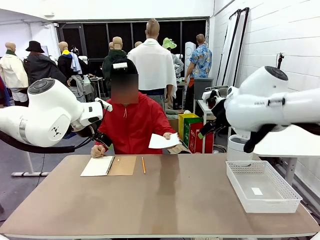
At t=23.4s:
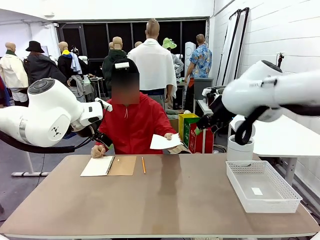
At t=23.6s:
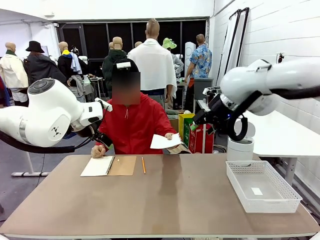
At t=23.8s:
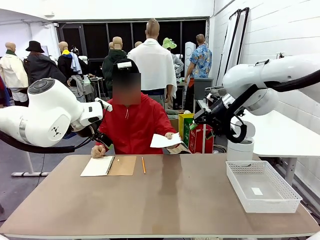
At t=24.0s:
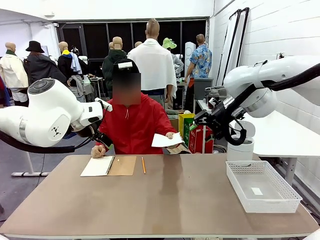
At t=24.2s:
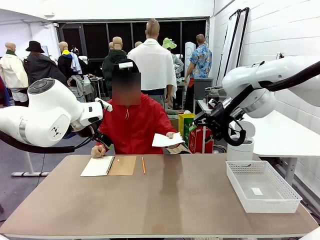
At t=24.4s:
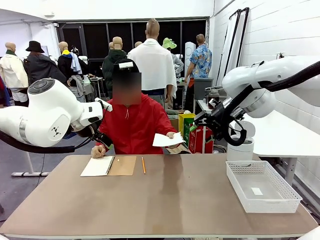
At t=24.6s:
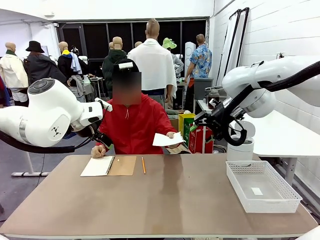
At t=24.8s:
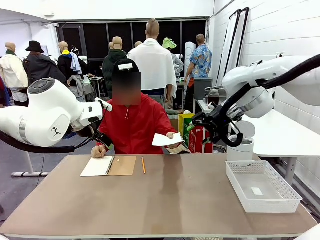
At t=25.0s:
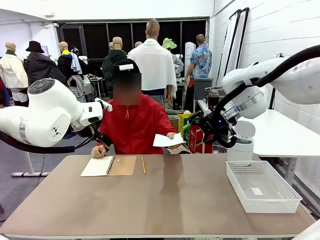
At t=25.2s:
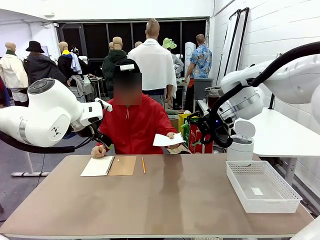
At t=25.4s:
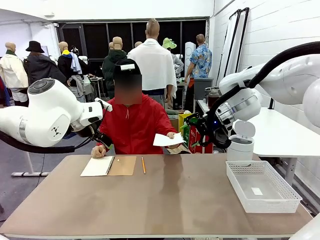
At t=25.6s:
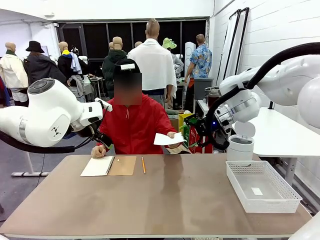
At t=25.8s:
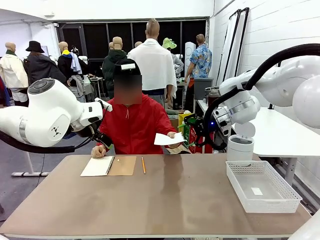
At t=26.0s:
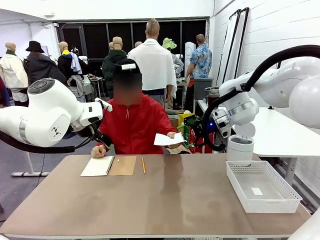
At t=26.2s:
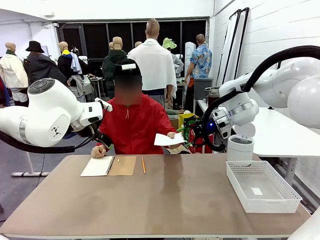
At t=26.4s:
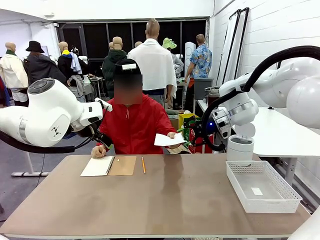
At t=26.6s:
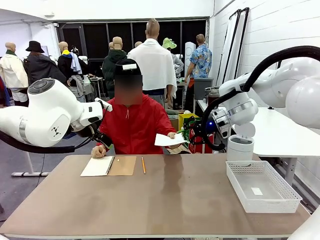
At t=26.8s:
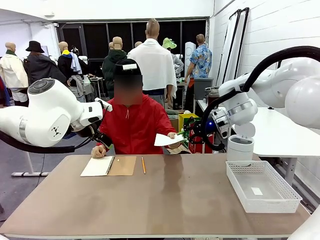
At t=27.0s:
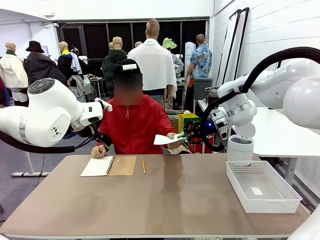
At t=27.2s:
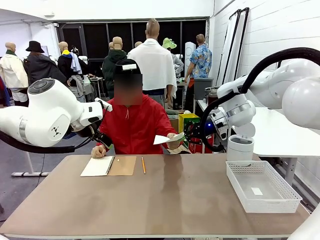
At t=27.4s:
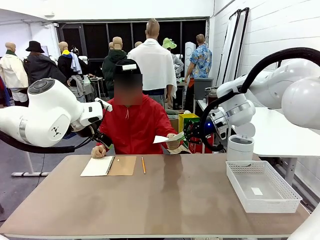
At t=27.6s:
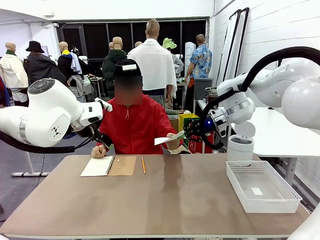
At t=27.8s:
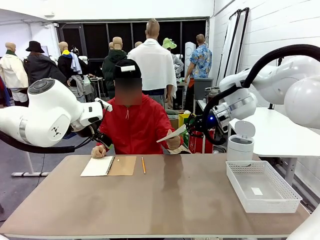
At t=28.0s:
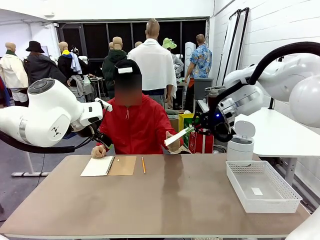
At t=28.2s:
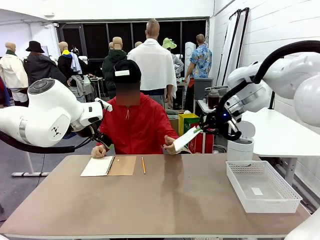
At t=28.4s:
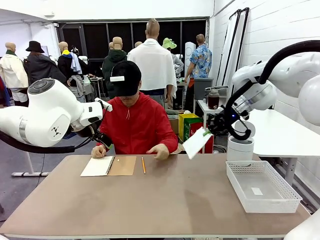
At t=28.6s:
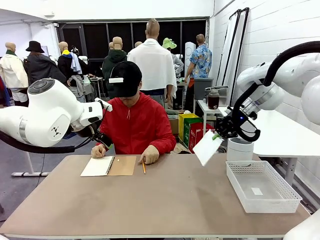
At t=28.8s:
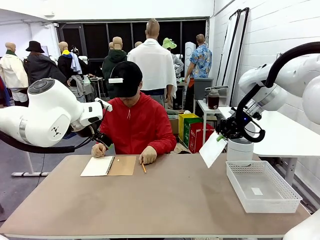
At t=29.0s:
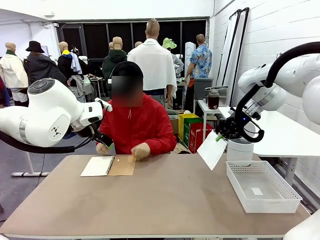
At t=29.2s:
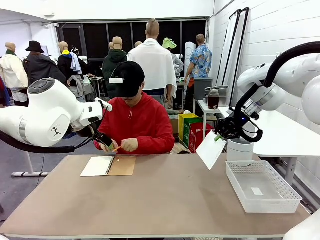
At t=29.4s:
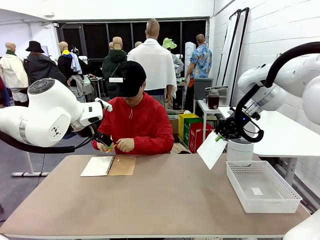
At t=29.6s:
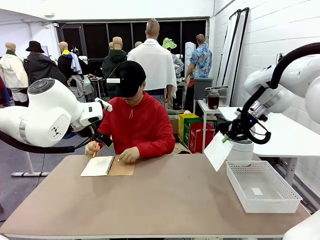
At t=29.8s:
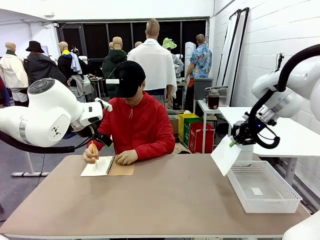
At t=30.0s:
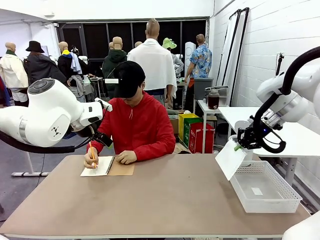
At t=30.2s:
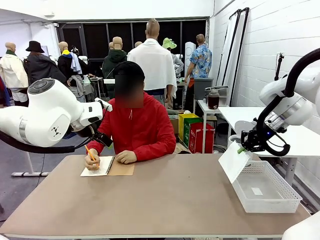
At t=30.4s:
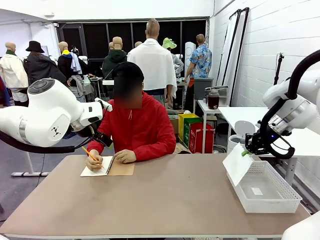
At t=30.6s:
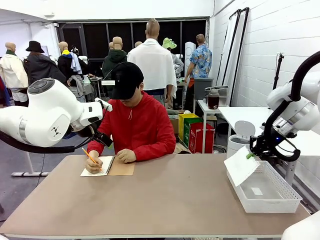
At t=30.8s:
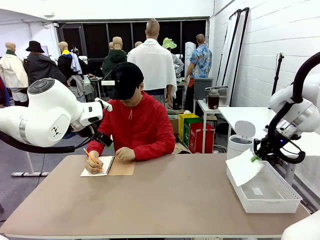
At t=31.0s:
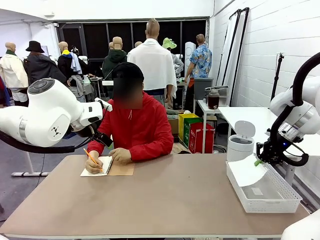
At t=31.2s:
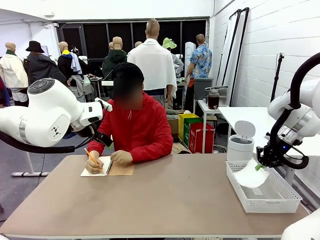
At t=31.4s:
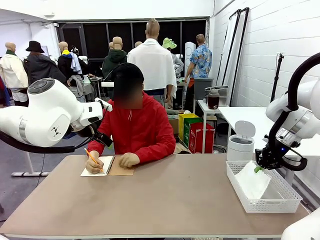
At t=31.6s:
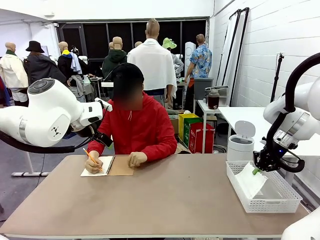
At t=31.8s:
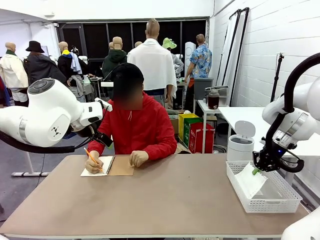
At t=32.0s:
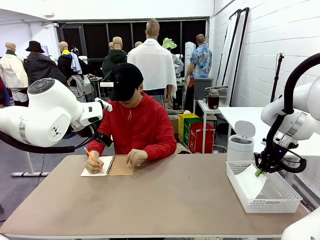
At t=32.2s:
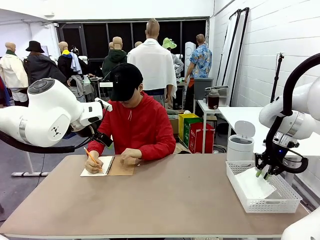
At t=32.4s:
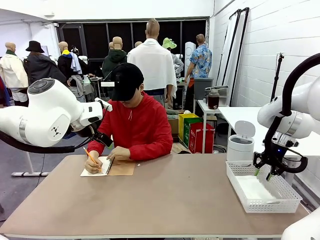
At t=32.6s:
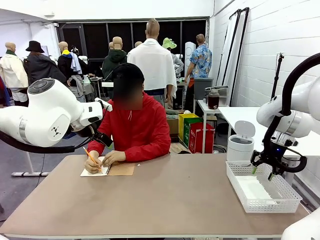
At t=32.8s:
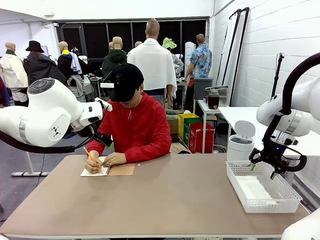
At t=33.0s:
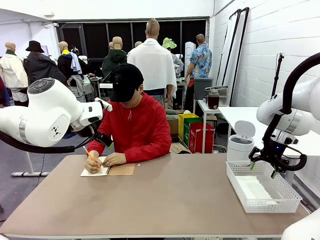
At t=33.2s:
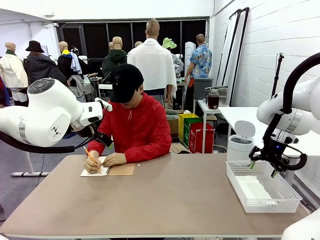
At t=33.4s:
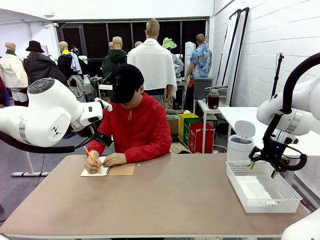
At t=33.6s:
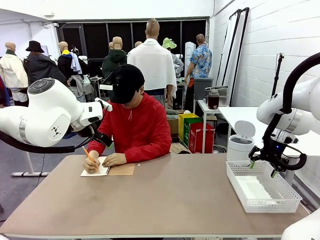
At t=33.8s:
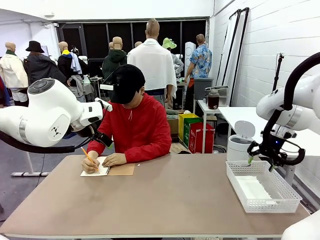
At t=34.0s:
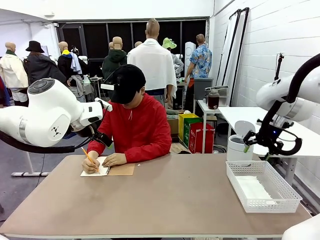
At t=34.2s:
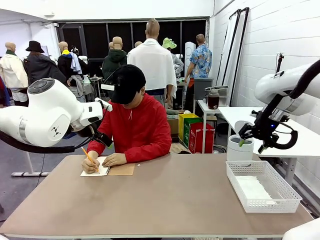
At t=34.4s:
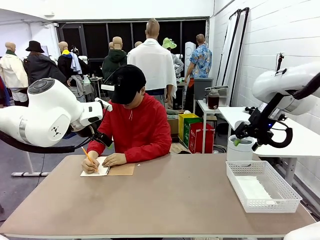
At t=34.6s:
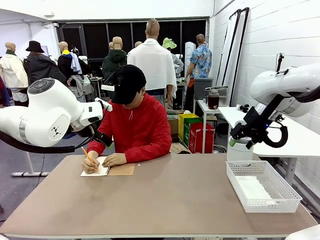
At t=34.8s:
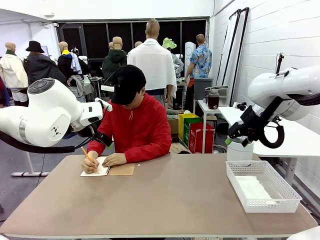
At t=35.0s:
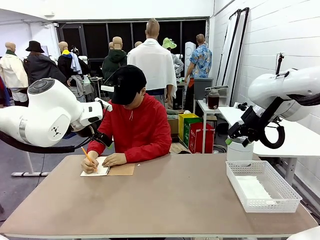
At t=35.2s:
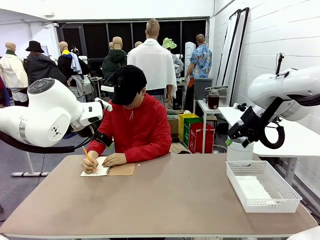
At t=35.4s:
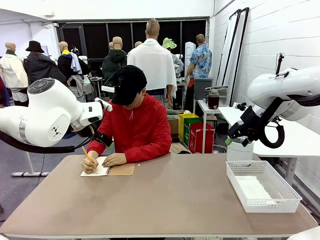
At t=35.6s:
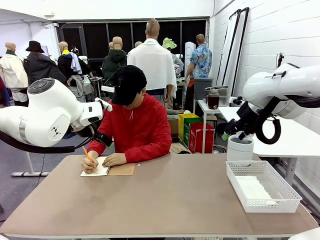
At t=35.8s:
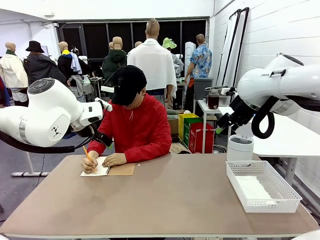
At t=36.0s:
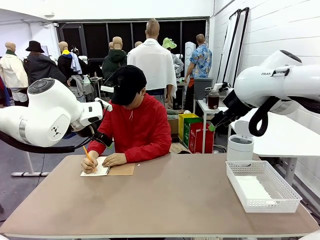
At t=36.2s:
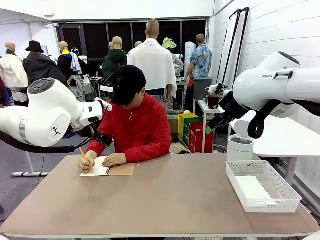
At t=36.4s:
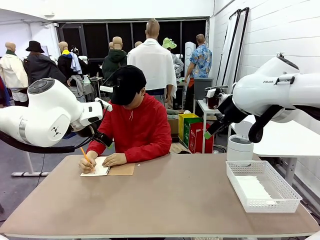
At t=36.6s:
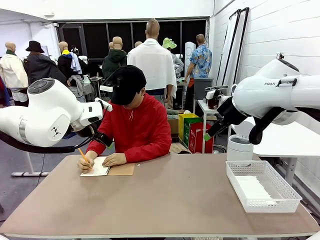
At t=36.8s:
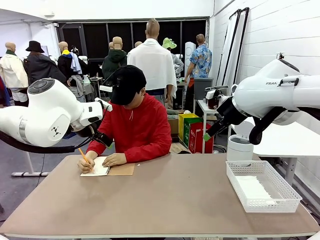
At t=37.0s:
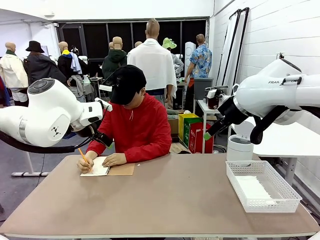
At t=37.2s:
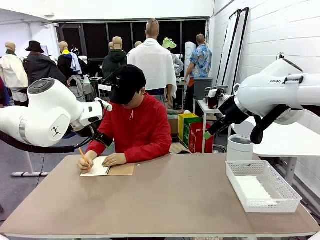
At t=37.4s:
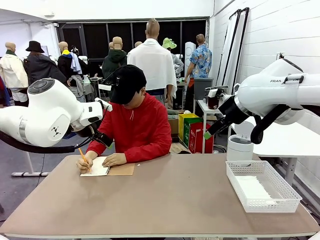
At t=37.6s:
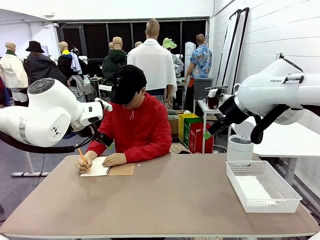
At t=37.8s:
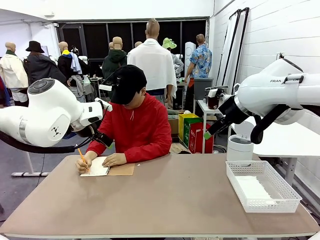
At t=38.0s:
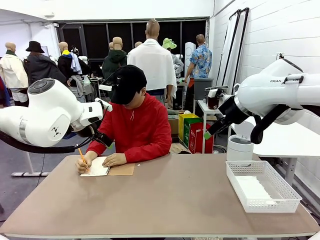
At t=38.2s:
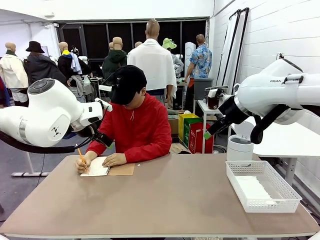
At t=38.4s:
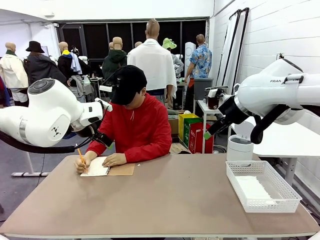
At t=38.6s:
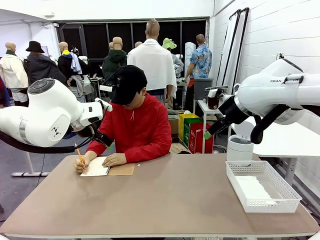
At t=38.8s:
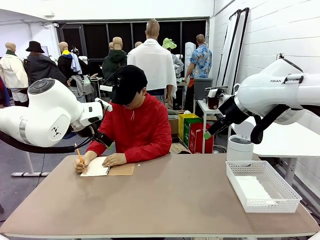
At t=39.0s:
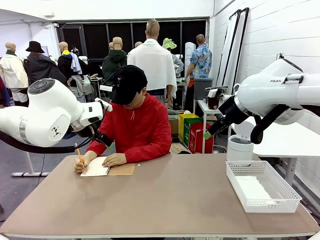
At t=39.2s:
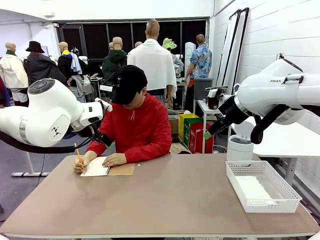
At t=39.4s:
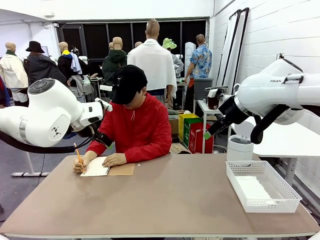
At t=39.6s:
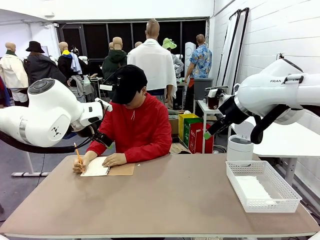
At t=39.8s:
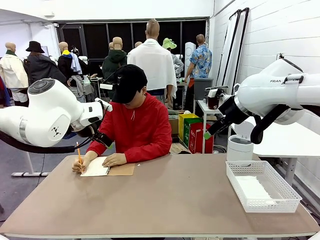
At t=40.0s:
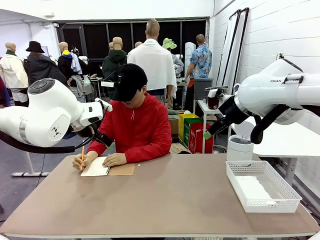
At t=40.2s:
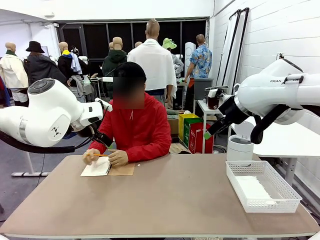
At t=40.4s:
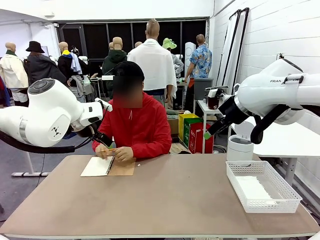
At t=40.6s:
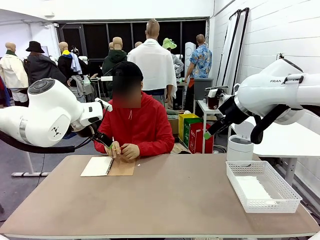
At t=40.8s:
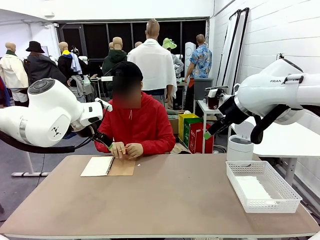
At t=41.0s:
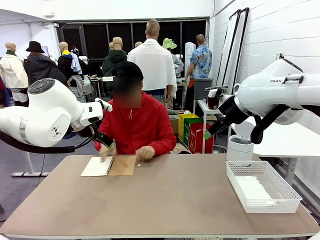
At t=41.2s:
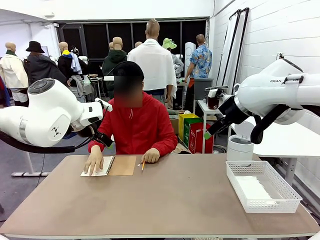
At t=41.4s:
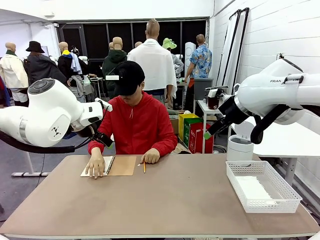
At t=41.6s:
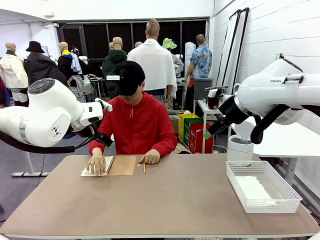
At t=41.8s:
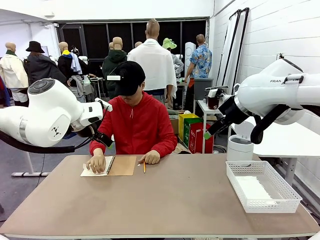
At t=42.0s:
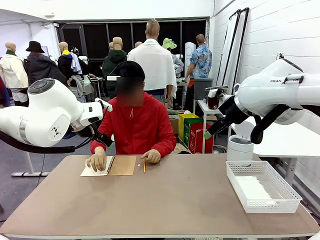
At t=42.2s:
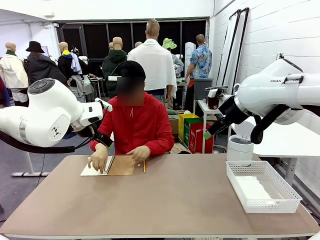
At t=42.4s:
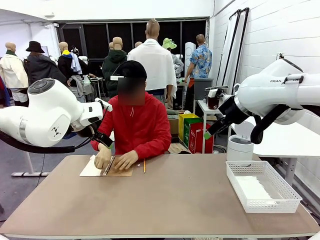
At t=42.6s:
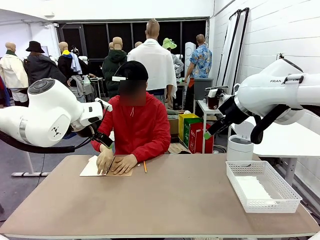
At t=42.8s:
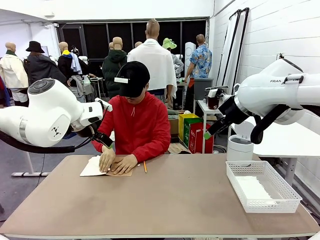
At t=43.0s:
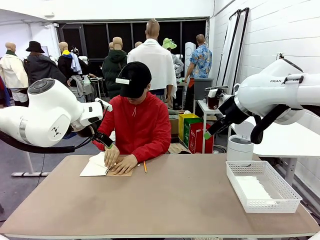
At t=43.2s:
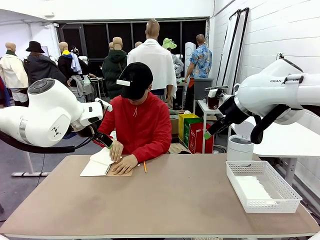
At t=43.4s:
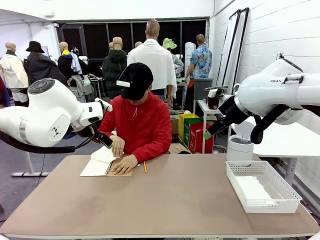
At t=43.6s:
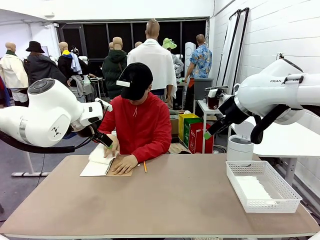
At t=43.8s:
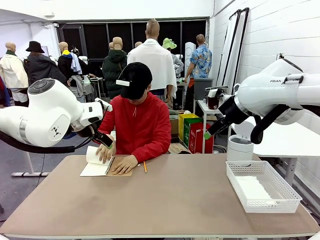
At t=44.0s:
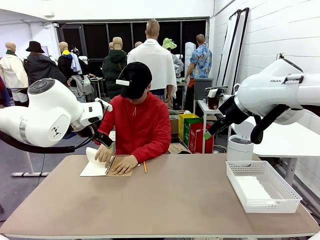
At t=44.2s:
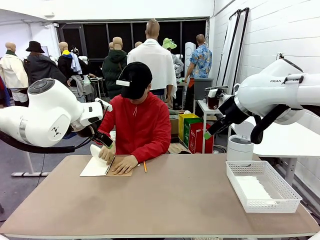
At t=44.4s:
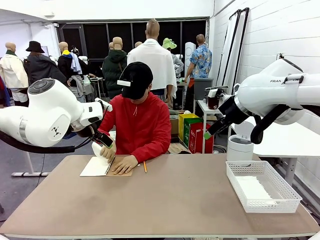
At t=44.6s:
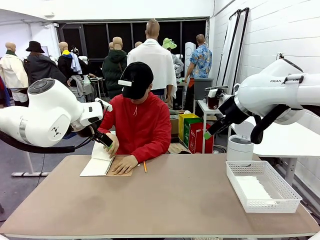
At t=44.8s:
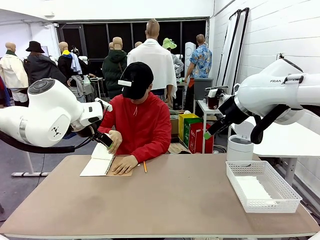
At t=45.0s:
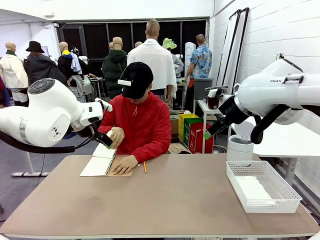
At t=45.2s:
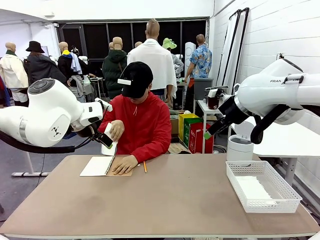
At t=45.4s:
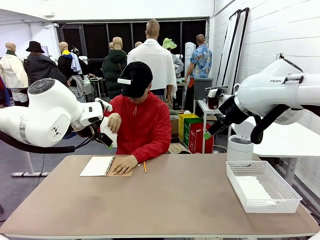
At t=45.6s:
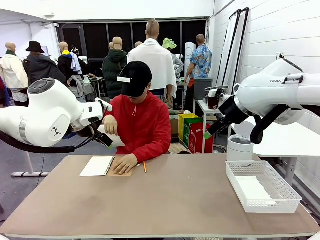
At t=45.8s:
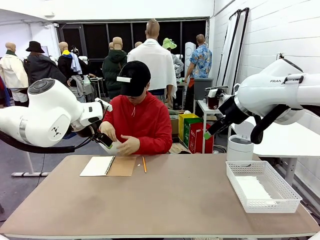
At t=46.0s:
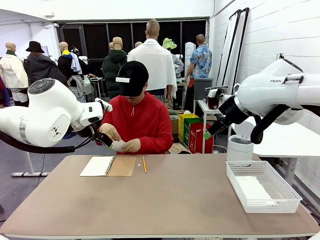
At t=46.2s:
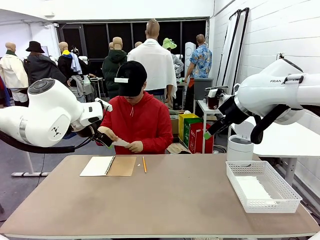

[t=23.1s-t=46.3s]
Task: Sort the paper based on its condition.
Robot: If a person hands you a paper, place it in the Organizing basket , and if it's crumpled, put it in the Trash can.
Person: Tear out a page from the spiral notebook.
